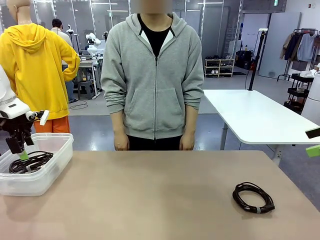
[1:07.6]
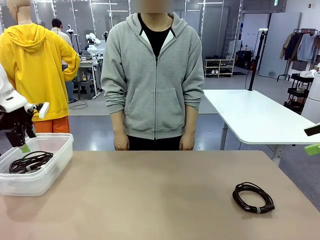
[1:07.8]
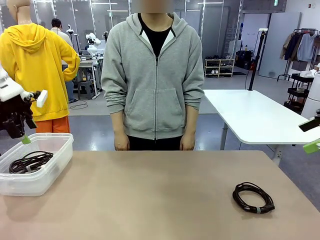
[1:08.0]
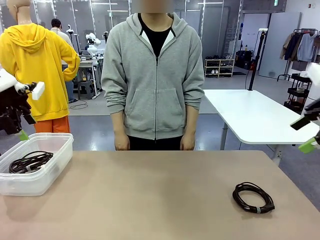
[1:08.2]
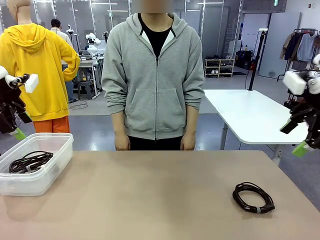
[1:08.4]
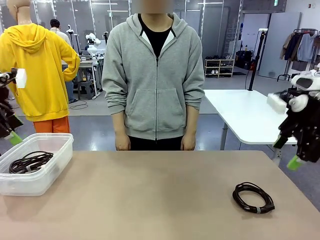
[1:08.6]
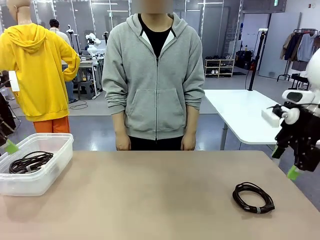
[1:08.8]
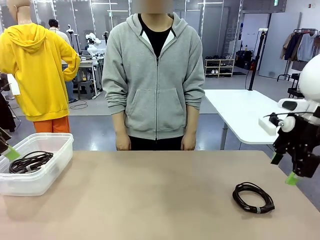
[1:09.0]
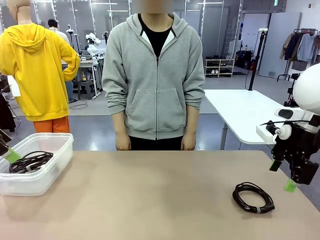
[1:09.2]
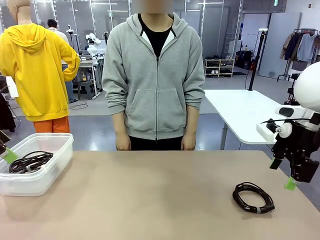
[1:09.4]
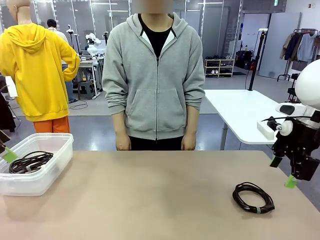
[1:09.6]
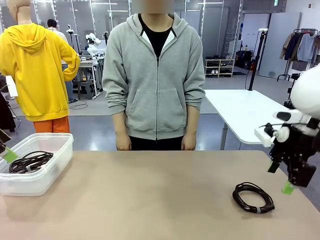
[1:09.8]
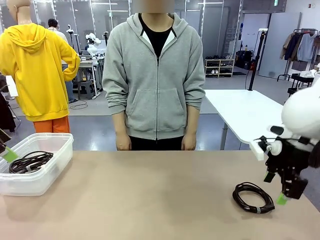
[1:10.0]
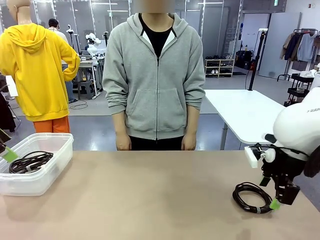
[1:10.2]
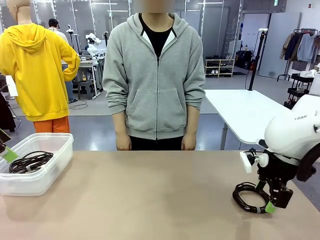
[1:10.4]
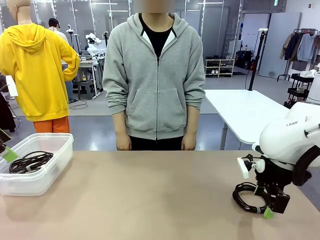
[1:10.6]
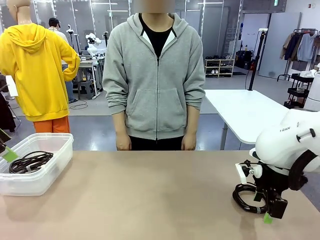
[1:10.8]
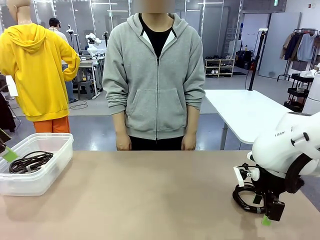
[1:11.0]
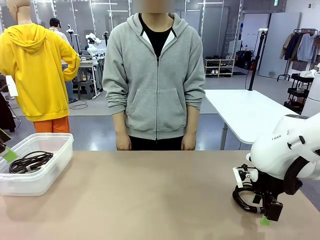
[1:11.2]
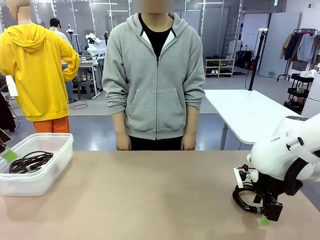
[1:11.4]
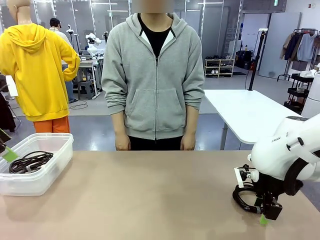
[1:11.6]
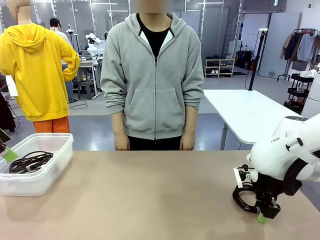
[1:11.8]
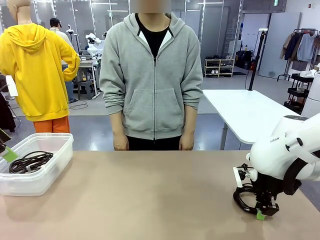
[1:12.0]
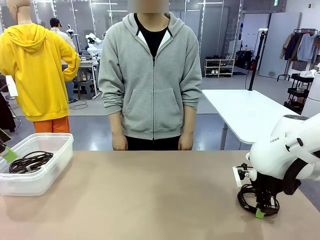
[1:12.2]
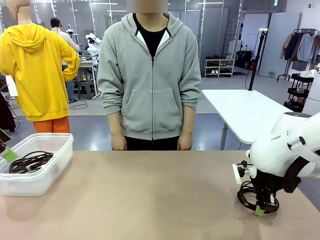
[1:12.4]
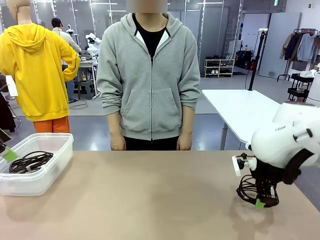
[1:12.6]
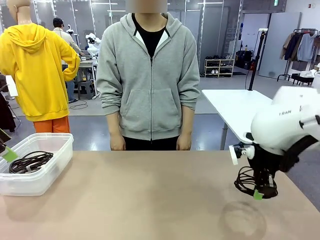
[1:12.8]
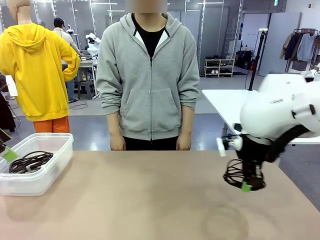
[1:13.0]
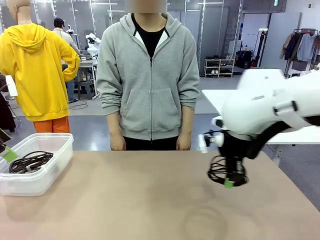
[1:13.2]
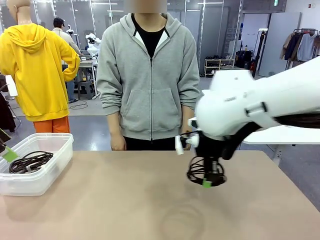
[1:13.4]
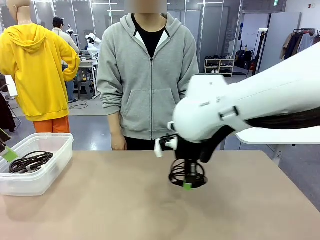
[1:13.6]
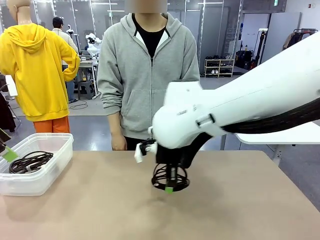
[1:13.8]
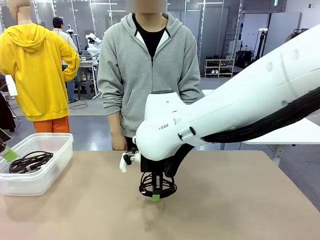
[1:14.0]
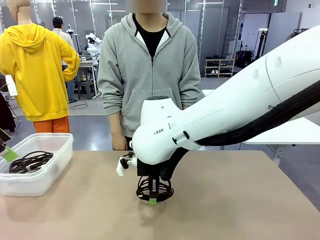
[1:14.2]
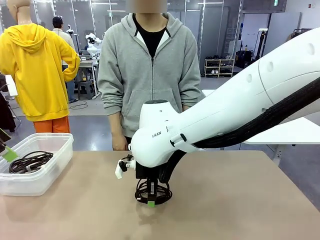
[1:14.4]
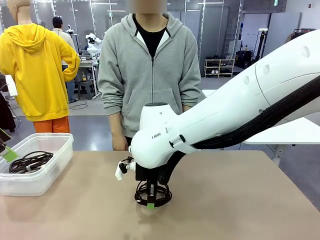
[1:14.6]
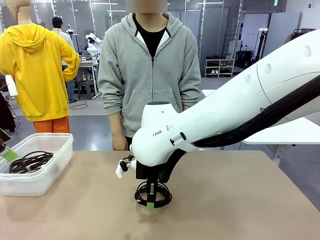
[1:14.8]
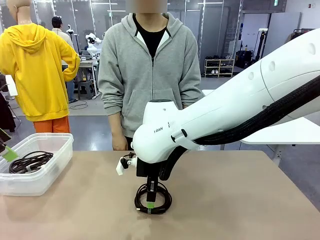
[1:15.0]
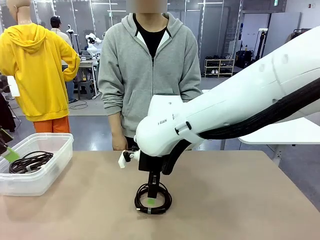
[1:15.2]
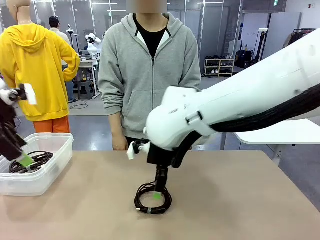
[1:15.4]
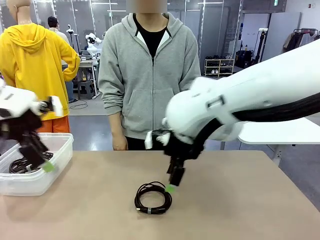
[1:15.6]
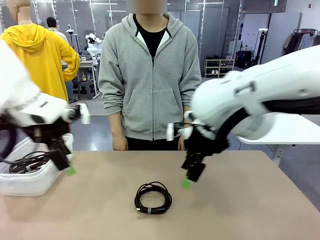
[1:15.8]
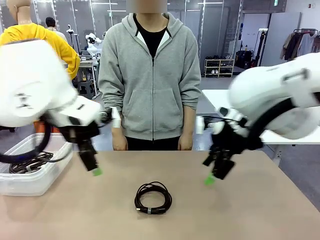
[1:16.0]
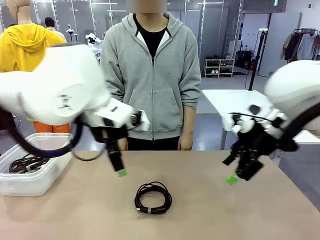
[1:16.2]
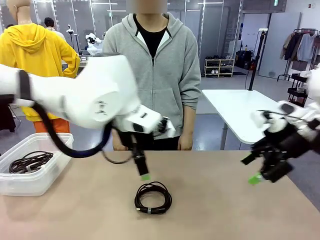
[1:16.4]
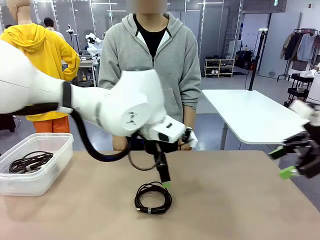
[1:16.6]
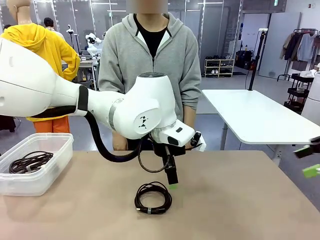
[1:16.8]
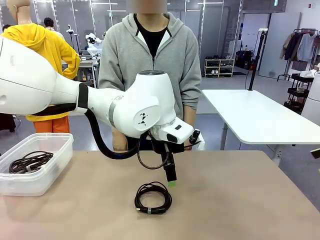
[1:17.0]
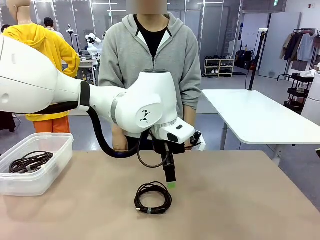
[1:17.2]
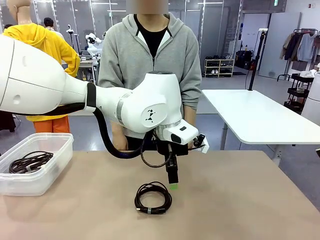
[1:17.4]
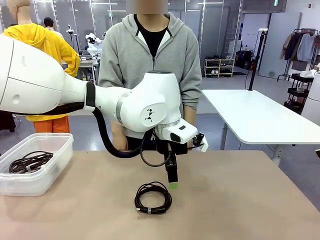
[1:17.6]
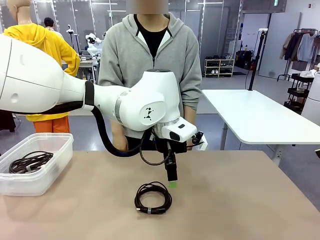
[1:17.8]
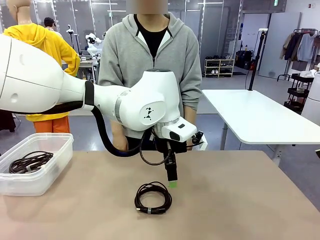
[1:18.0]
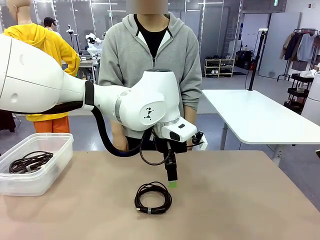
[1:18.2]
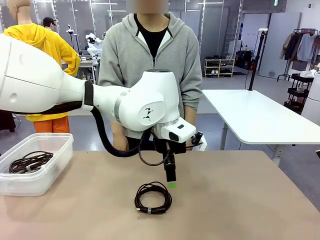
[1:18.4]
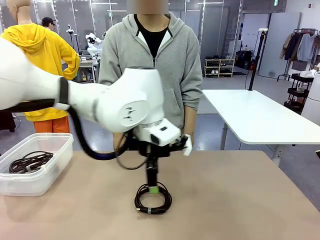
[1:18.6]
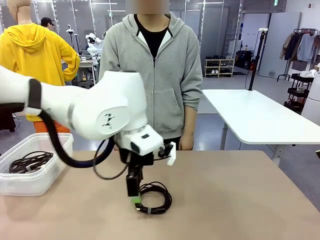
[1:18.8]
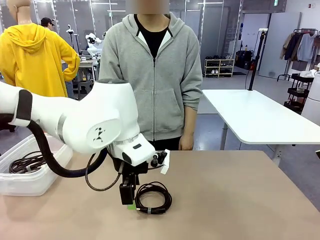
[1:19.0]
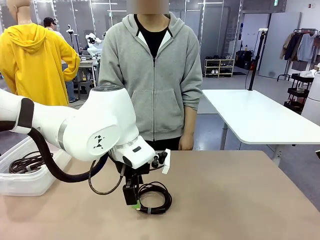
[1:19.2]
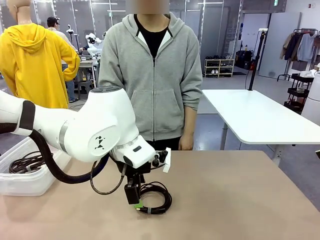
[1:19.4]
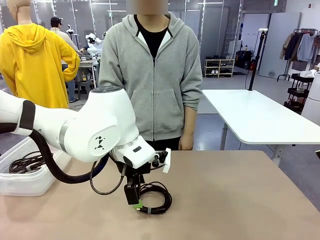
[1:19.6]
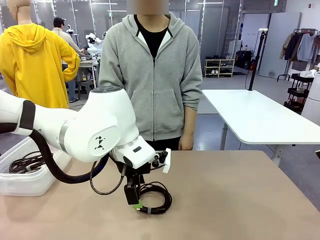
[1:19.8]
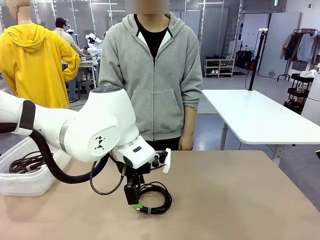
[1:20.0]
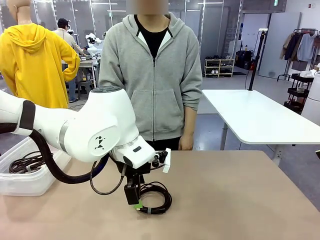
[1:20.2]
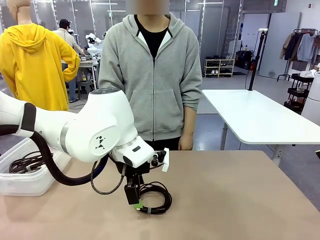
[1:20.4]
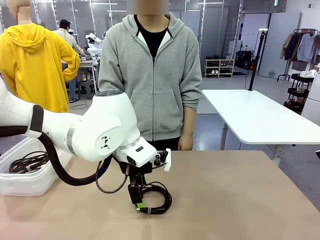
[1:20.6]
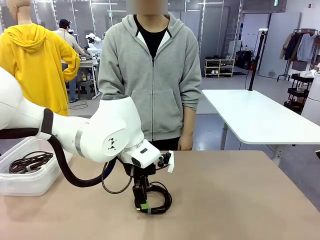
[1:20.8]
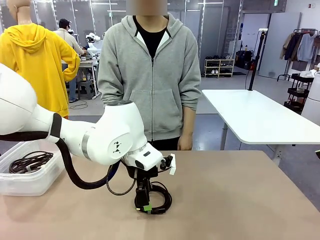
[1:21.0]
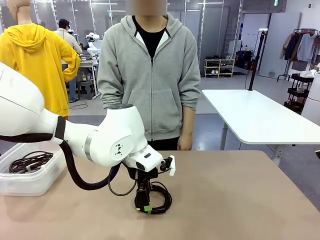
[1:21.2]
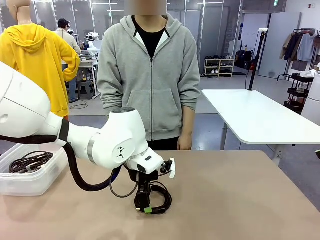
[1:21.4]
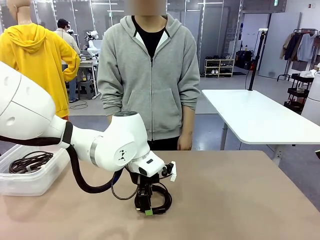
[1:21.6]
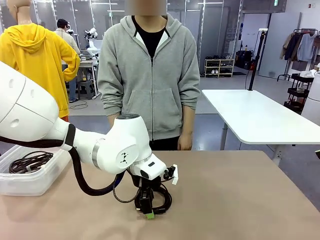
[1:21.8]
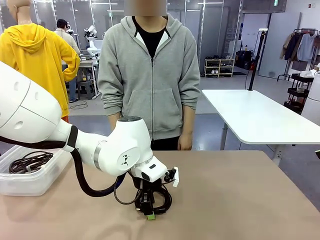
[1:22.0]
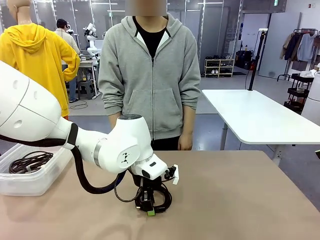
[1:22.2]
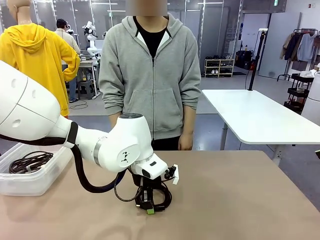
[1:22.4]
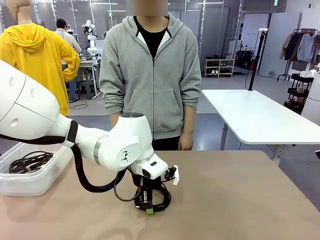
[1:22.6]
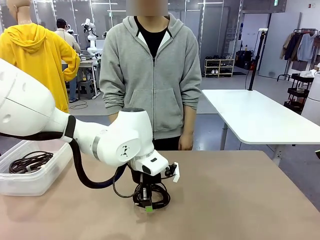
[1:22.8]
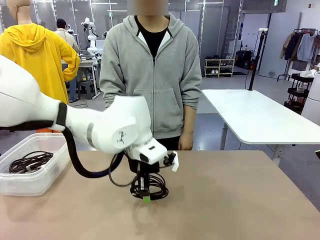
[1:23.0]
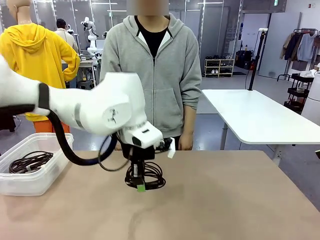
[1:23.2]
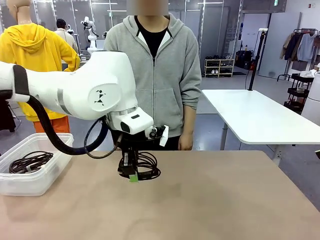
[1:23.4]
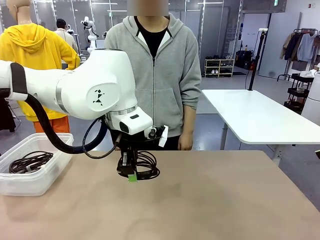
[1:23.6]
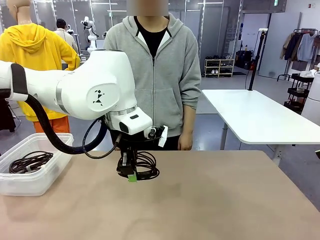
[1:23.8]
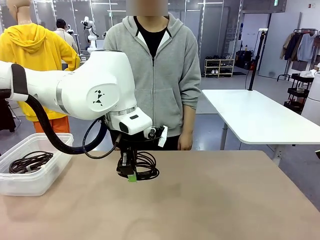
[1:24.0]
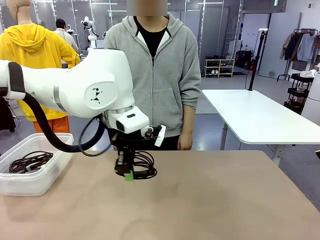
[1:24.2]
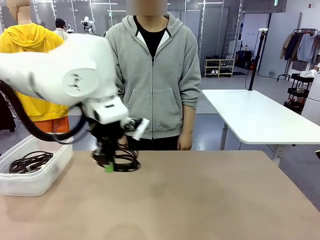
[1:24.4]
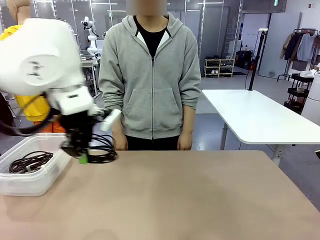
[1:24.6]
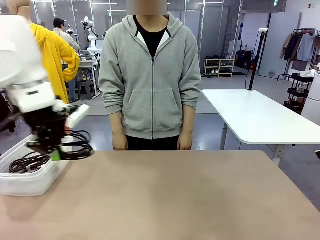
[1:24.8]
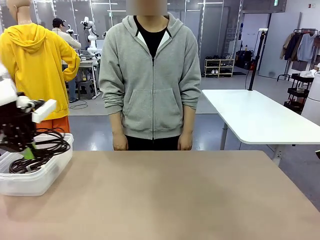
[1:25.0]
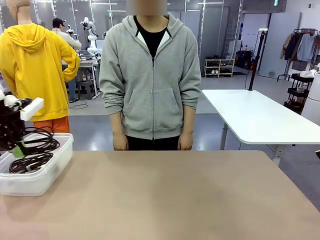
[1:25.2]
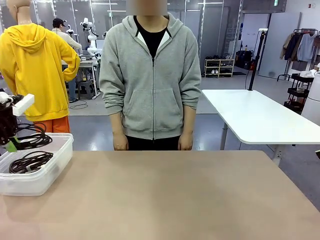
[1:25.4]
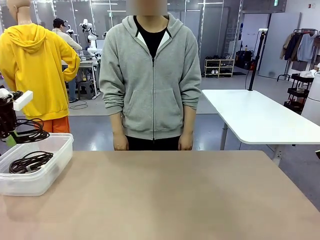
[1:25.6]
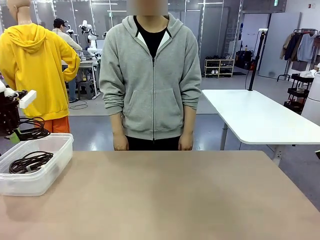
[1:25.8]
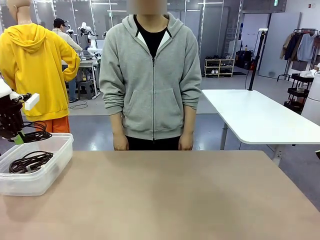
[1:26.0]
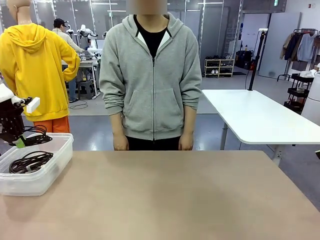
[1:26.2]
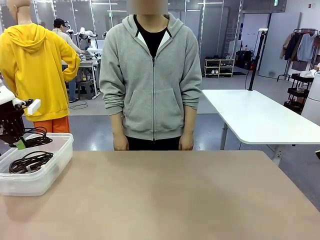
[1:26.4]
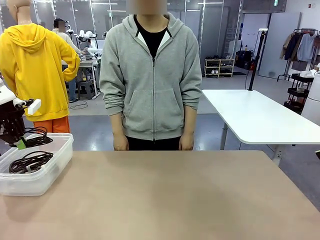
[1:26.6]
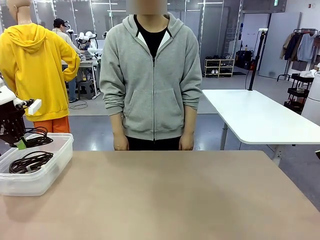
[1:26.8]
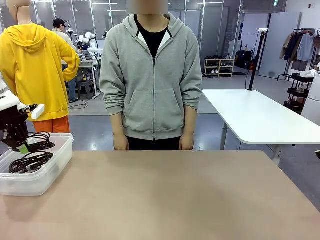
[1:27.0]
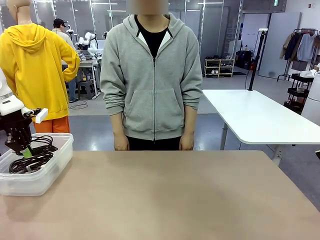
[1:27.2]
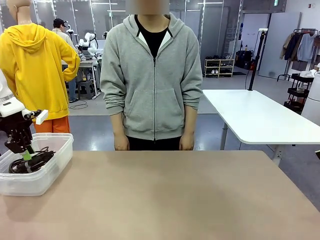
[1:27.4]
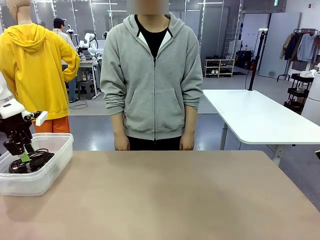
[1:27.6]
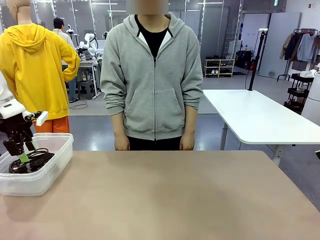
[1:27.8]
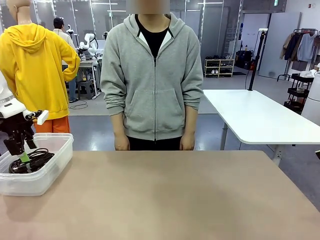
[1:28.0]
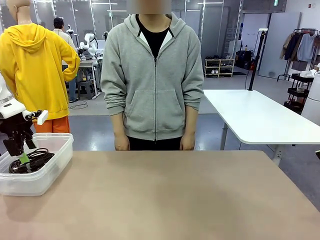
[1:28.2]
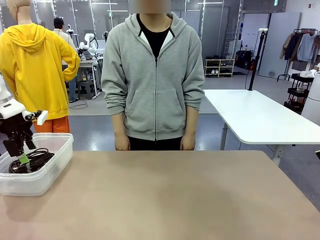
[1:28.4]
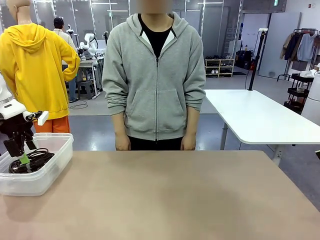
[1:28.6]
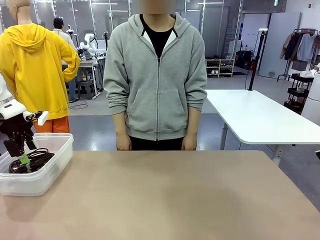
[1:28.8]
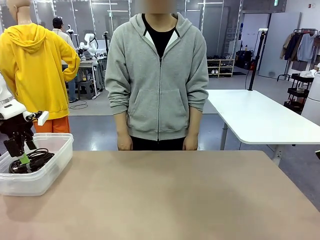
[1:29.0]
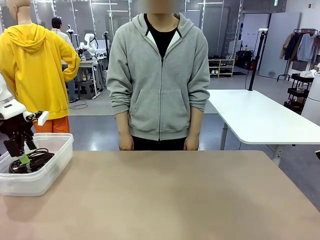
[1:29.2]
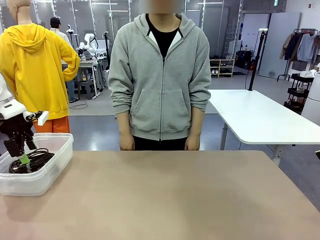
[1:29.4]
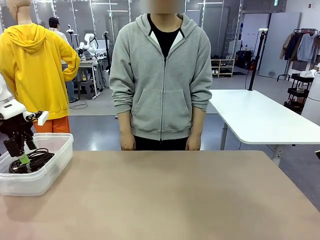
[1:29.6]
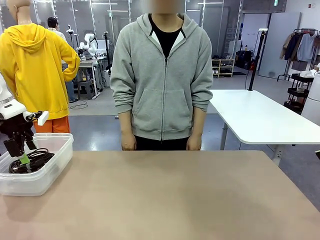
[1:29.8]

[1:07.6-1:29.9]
Task: Organize and store the cables.
Robot: Place the USB Extension Cable into the Organizing box.
